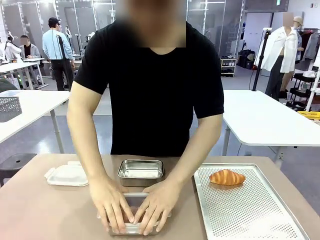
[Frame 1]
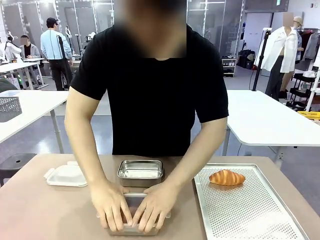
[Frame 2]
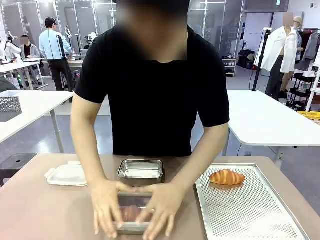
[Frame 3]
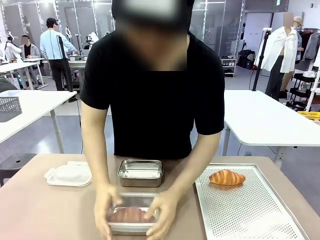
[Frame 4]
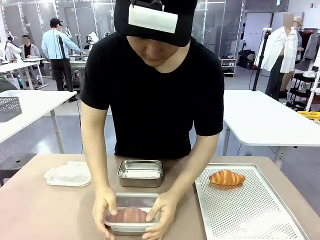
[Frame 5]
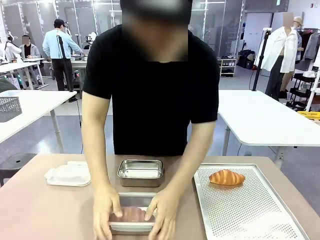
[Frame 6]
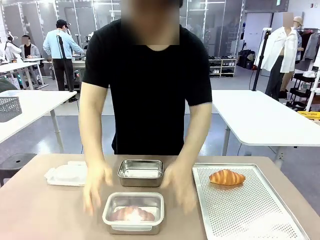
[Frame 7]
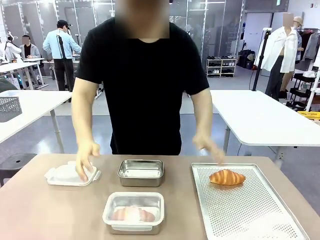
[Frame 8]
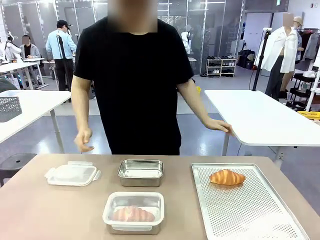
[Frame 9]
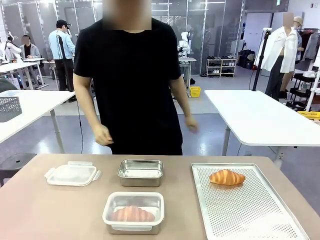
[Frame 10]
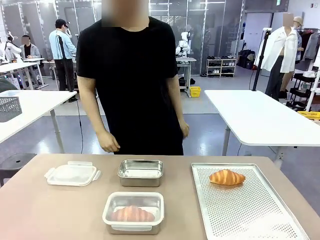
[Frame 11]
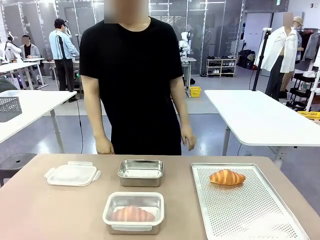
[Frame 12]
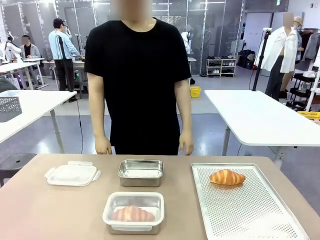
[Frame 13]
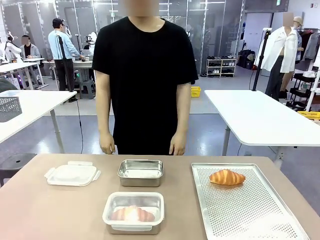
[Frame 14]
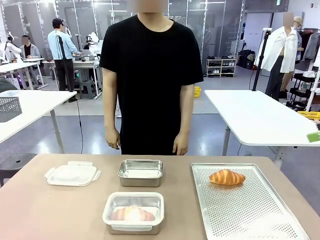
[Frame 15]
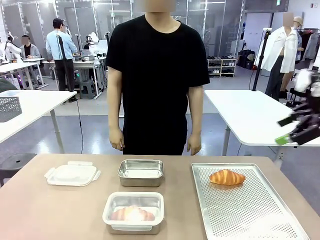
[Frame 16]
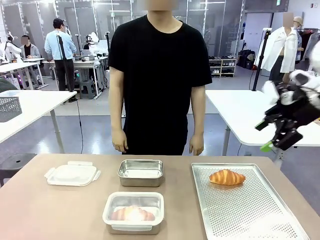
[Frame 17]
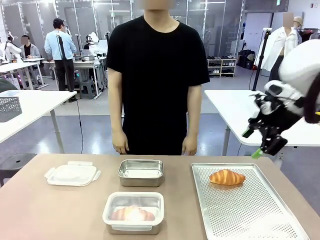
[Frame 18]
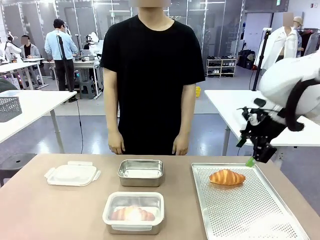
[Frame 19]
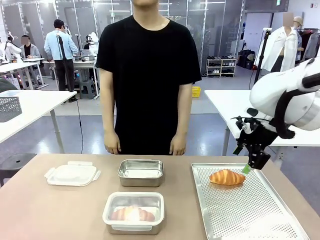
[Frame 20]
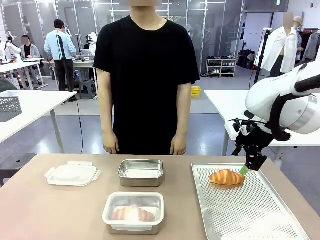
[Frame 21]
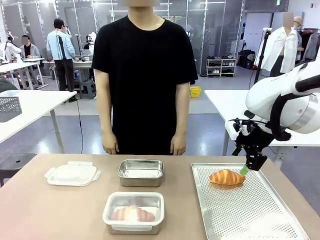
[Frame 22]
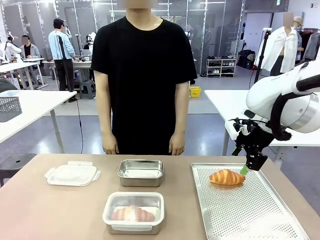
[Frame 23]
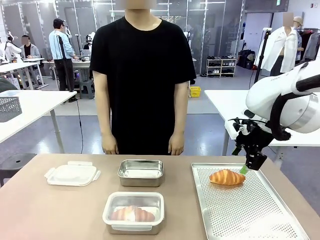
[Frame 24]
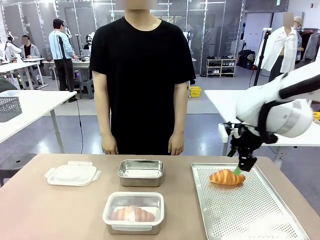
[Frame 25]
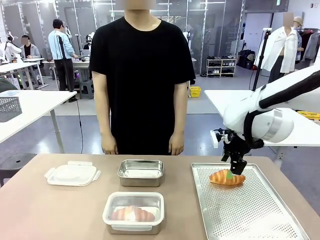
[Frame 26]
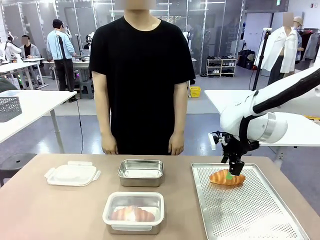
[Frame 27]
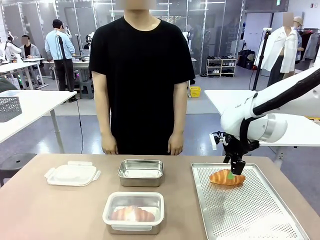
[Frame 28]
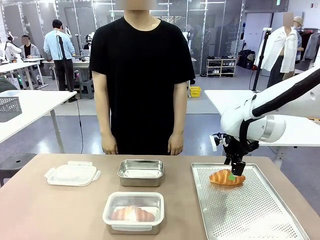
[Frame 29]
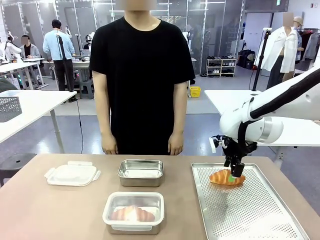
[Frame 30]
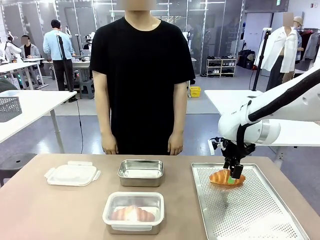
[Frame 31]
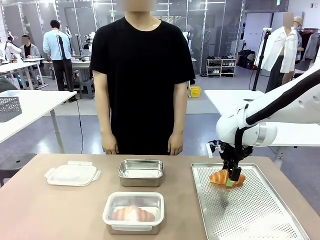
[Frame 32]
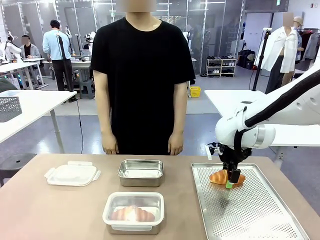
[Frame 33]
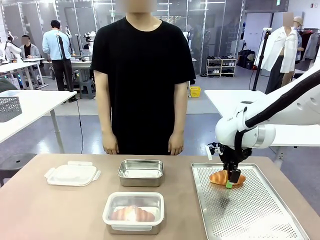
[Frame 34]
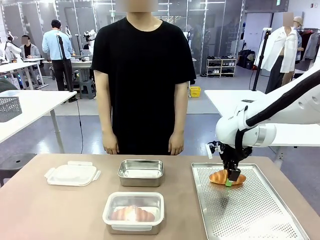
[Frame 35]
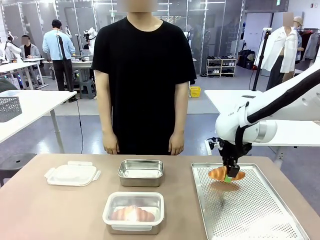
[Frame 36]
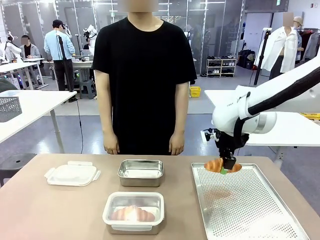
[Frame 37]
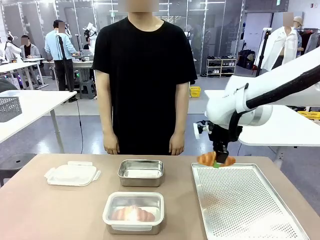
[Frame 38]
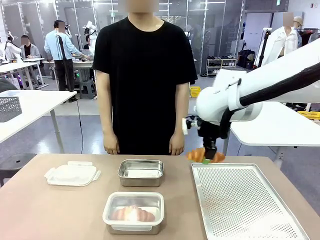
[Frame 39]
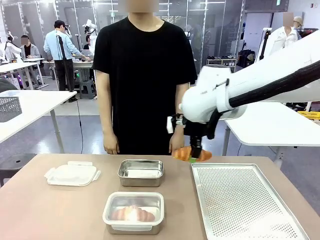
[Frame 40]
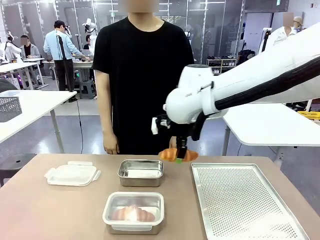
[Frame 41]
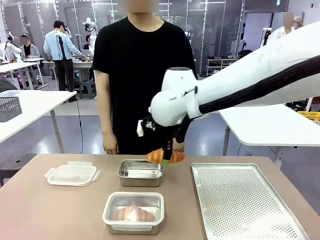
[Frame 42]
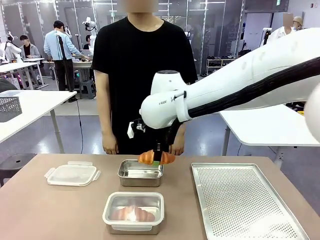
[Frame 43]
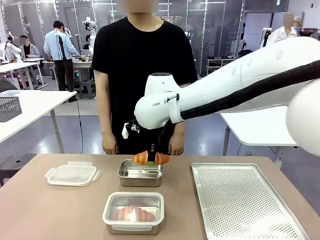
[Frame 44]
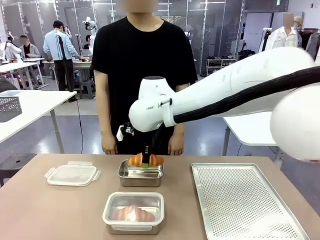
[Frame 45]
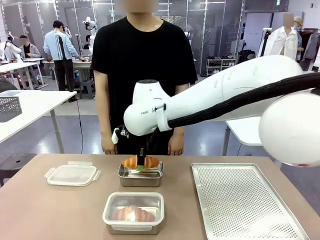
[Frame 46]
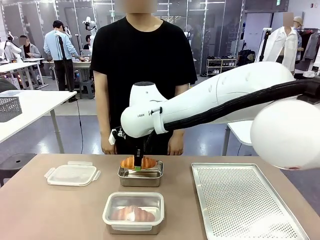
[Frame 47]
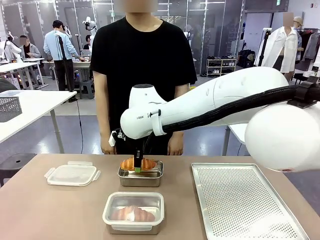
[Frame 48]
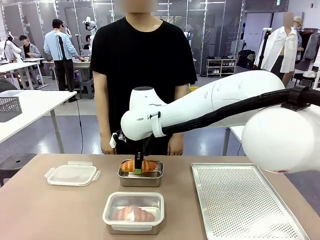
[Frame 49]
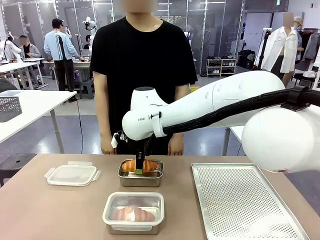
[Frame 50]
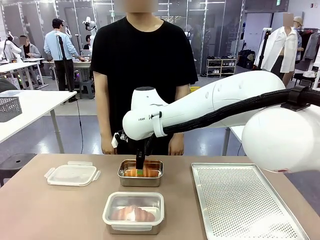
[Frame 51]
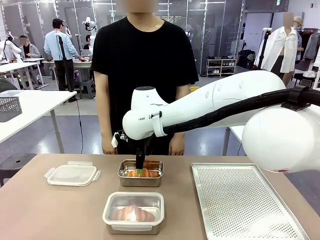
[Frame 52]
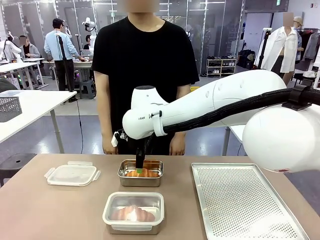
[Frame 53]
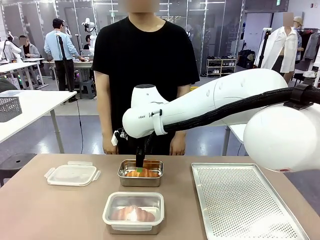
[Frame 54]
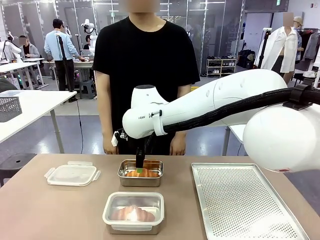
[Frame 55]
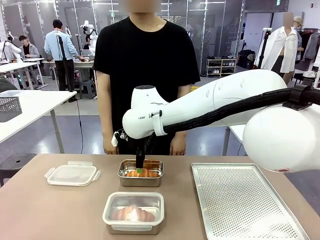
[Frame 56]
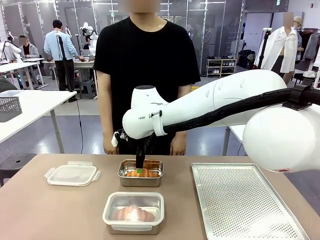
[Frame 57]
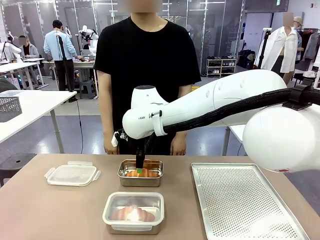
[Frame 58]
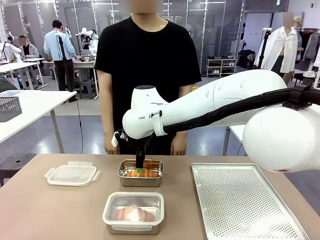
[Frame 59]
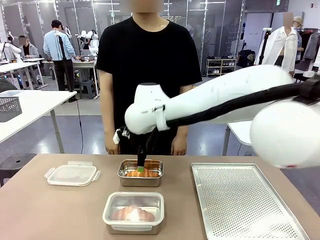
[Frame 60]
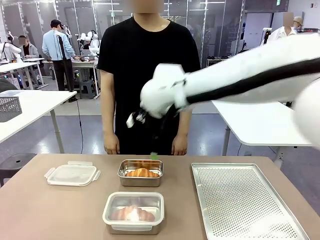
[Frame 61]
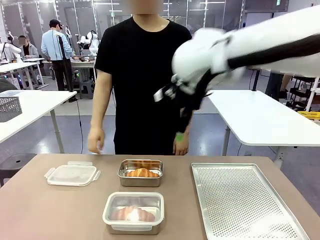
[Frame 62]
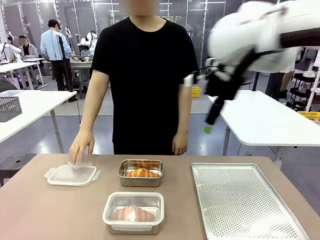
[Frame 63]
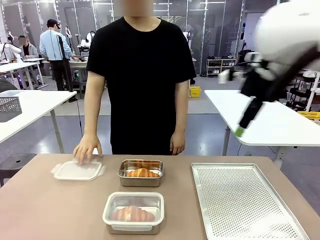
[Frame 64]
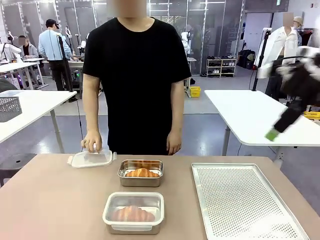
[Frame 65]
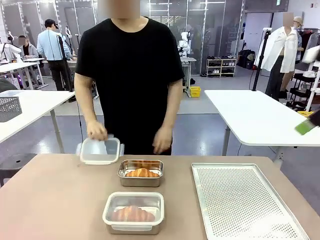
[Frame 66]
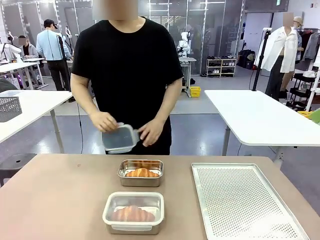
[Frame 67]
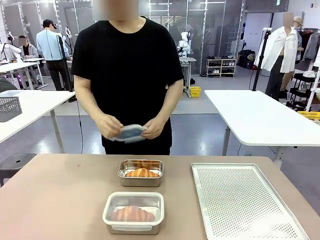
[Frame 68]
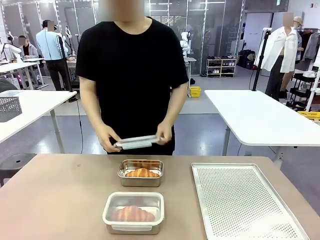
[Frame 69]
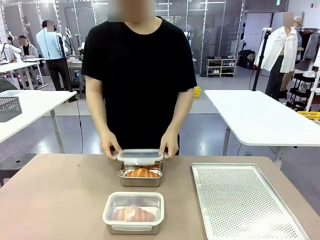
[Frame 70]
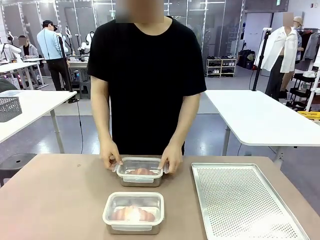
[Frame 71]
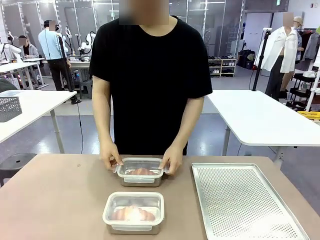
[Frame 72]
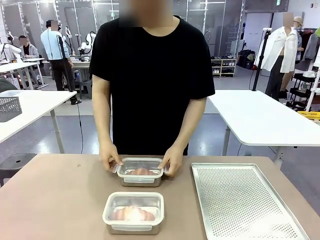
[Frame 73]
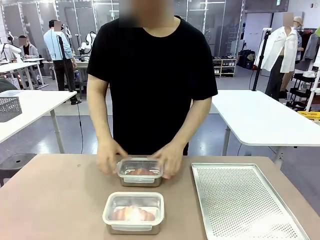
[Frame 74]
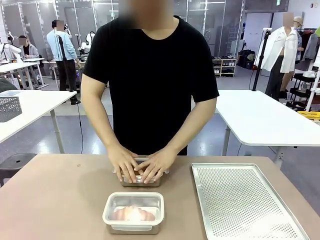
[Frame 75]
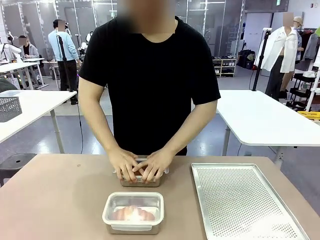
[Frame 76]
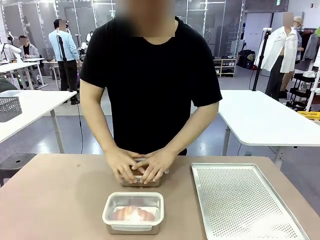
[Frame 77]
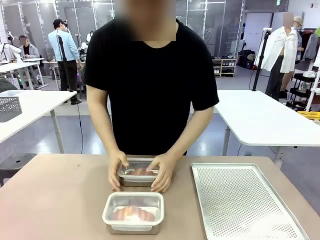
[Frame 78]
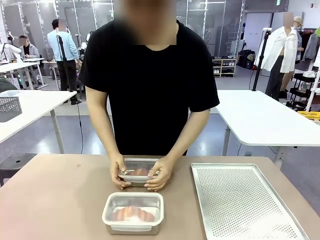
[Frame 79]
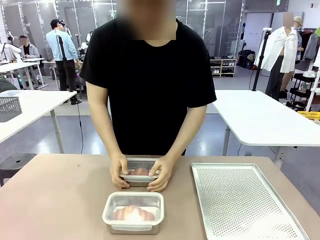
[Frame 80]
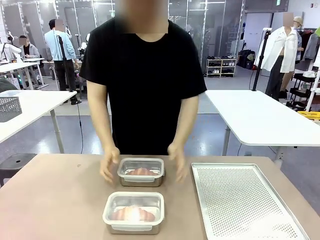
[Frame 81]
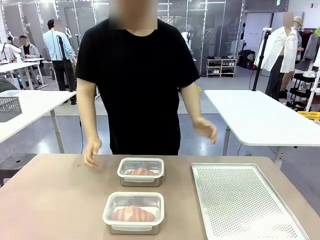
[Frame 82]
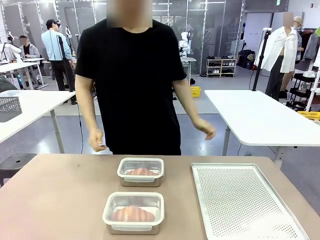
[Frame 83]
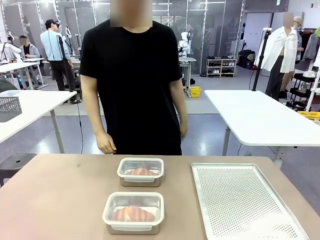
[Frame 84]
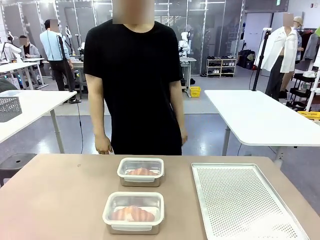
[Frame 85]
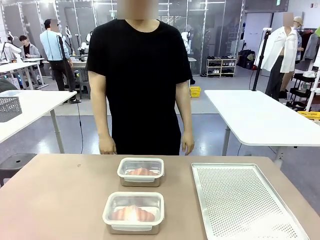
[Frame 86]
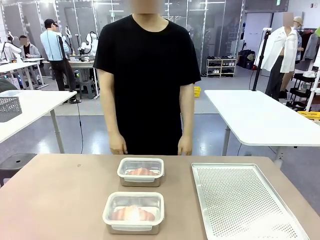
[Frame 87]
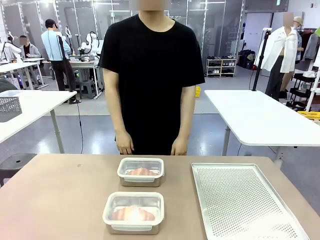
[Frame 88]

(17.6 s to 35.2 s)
Task: Place the bread into the airtight container.
Robot: Pick up a Butter Roll and place it into an empty Airtight Container.
